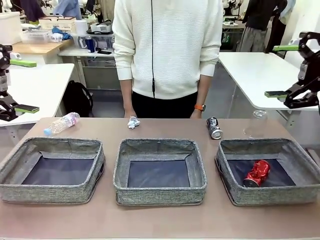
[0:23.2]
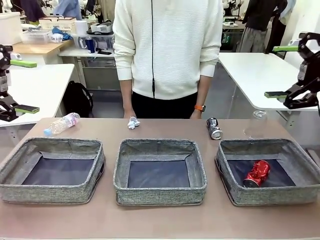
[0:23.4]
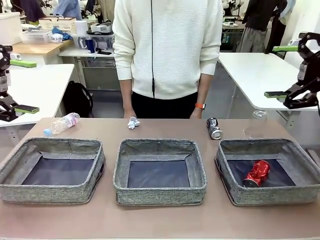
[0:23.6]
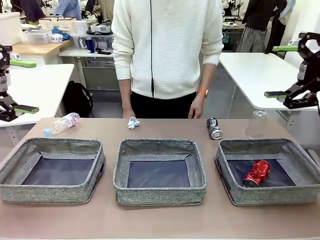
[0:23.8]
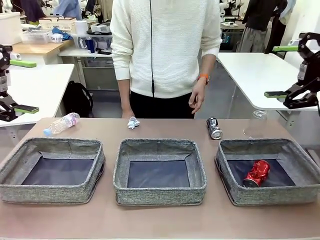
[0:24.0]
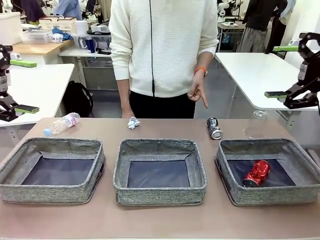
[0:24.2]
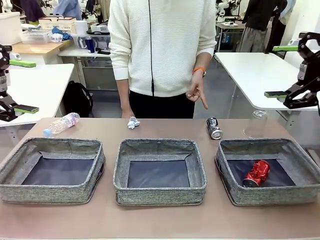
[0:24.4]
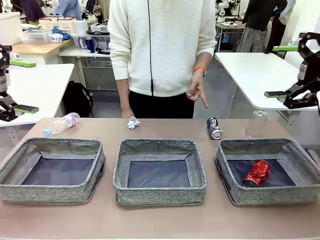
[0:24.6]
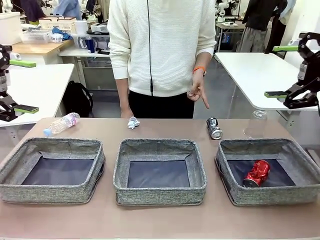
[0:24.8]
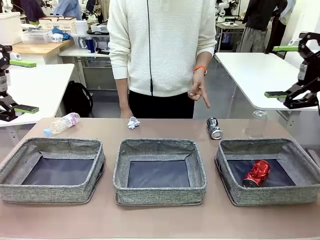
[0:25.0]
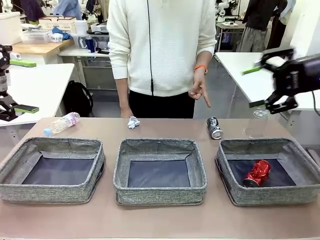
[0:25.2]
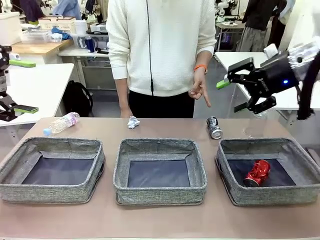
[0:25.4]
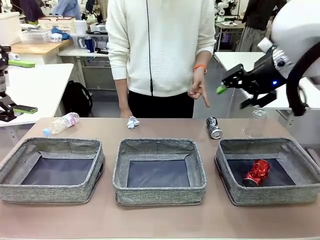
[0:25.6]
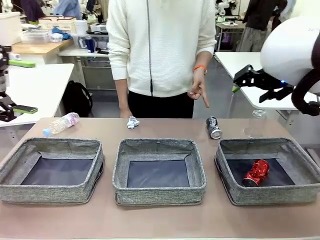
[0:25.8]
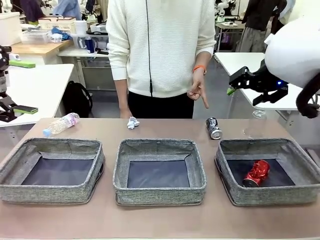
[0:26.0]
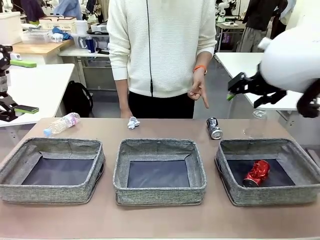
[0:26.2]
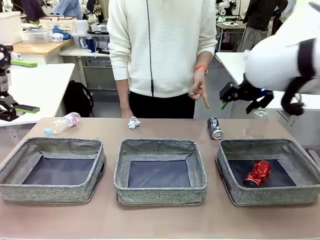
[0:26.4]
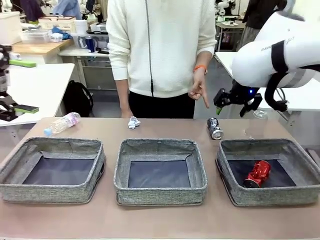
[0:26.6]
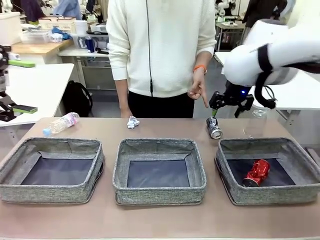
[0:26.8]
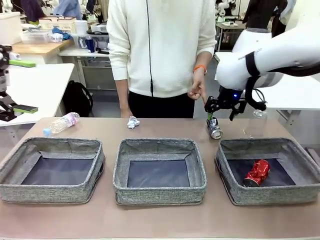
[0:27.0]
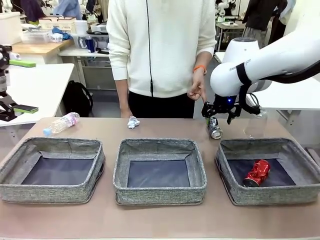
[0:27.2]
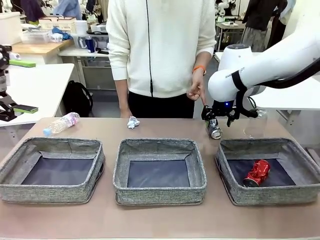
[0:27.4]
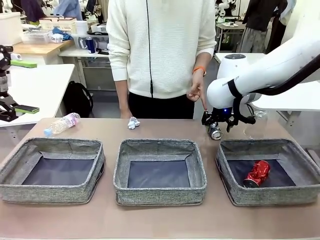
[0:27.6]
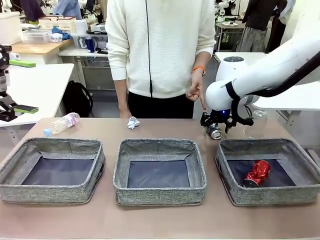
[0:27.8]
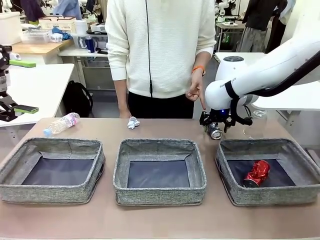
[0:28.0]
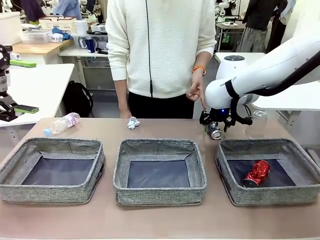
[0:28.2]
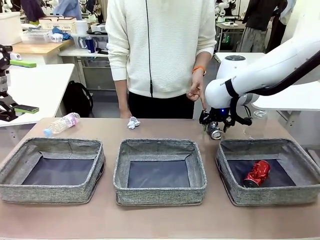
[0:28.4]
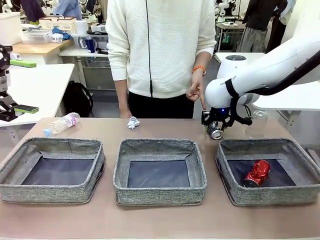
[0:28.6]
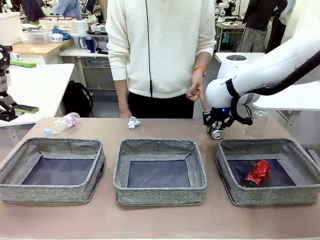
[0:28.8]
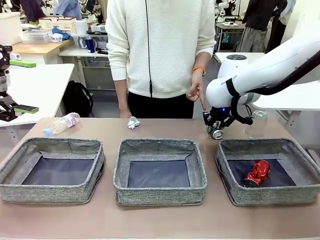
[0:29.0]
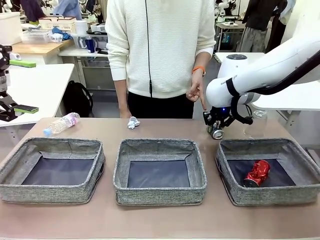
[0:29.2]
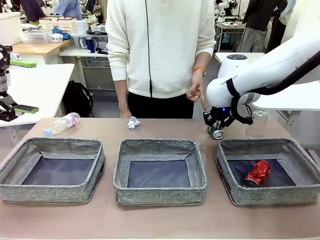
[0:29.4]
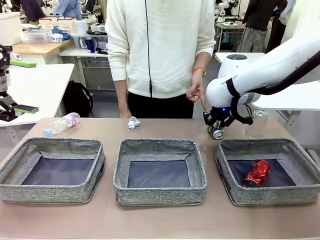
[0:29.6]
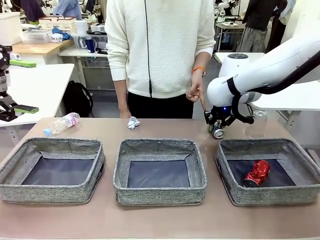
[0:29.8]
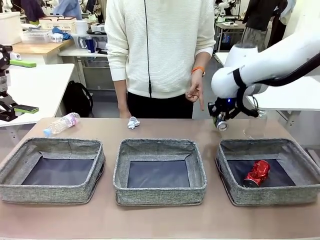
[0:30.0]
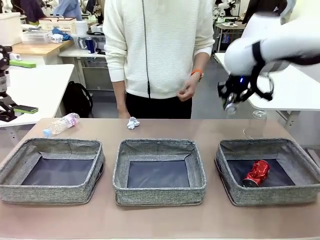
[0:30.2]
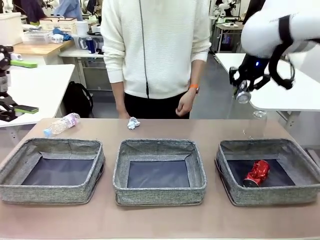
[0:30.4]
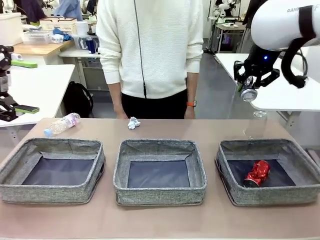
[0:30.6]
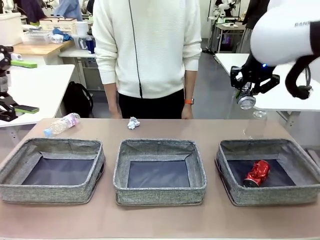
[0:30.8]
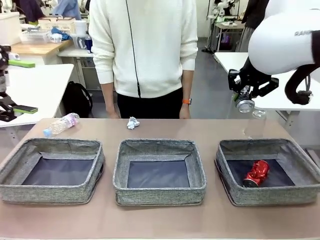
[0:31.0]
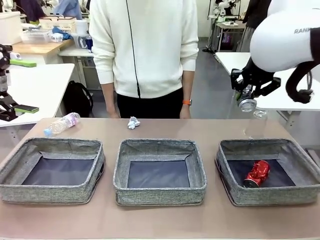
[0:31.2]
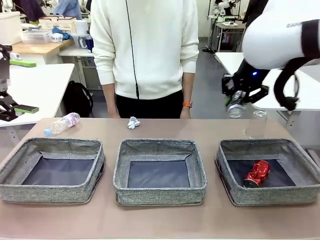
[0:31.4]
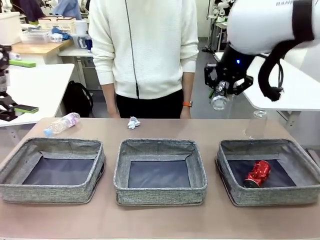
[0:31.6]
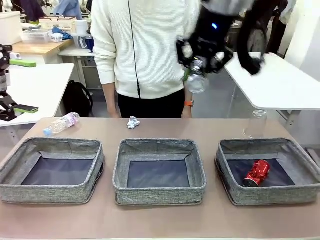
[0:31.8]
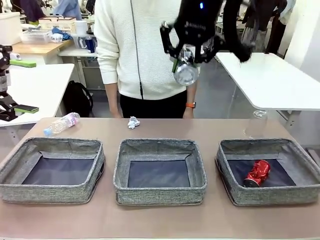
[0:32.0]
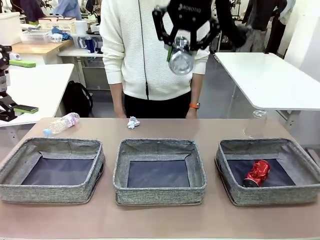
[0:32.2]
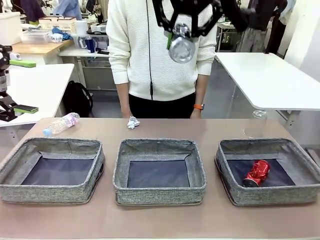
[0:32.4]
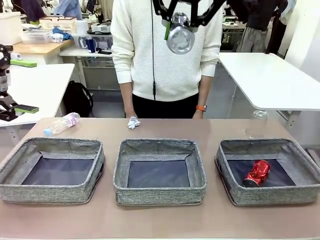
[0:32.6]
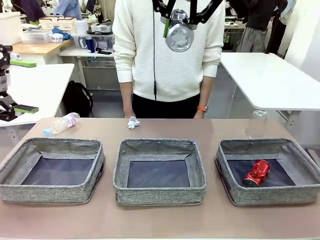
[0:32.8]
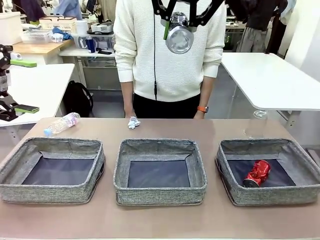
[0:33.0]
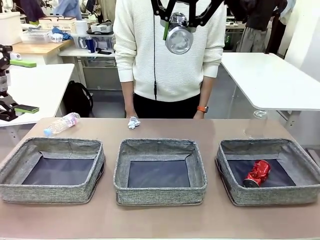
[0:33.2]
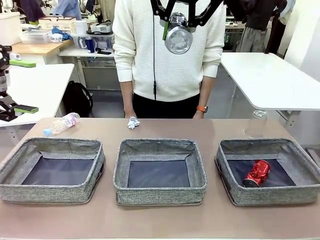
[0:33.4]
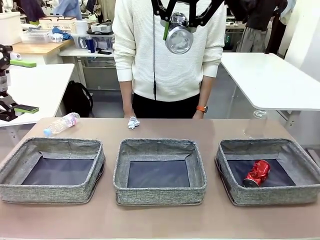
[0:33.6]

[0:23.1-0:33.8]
Task: Sort the waste into the appropriate baskets.
Robot: Pick up the waste item pointed out by the person.
Person: Points to one piece of trash on the table.

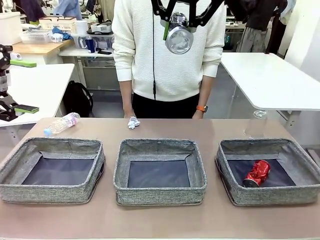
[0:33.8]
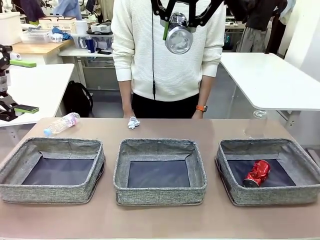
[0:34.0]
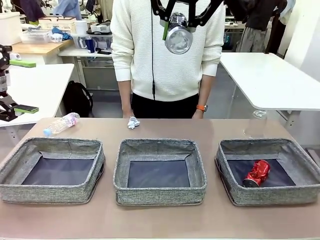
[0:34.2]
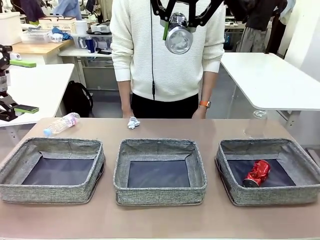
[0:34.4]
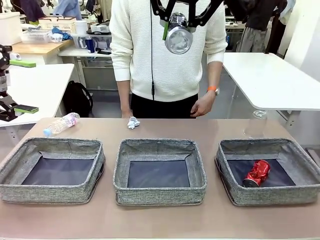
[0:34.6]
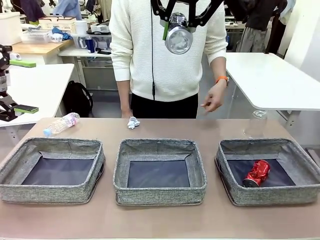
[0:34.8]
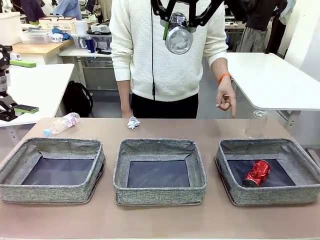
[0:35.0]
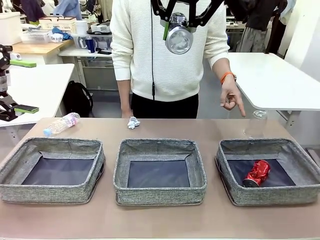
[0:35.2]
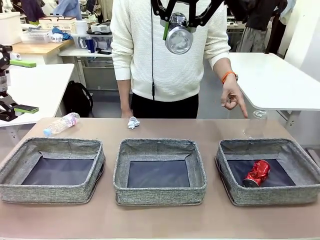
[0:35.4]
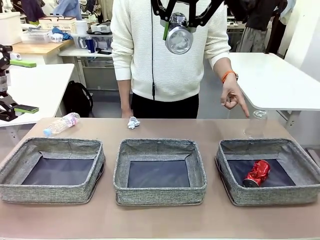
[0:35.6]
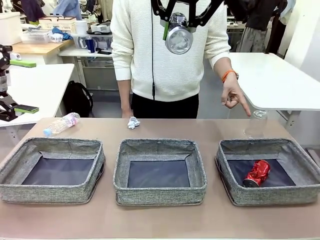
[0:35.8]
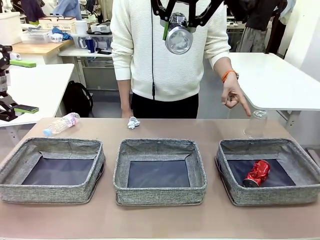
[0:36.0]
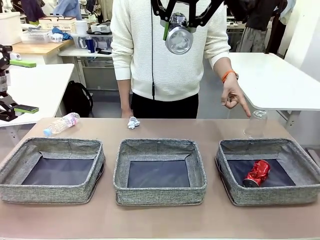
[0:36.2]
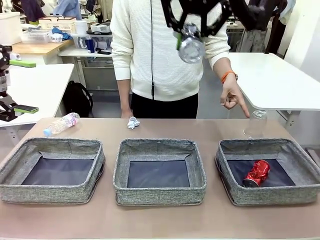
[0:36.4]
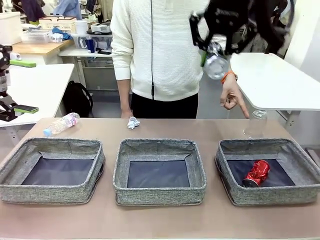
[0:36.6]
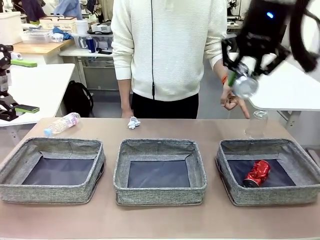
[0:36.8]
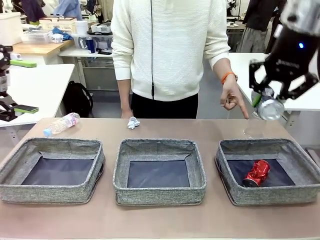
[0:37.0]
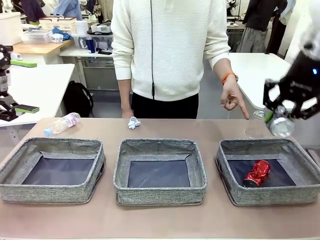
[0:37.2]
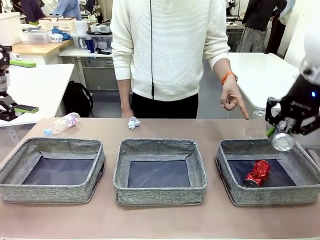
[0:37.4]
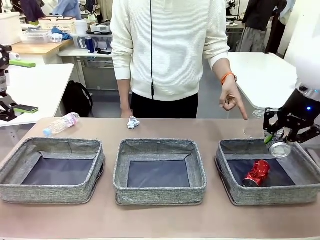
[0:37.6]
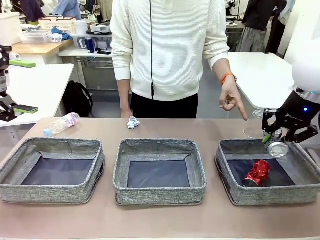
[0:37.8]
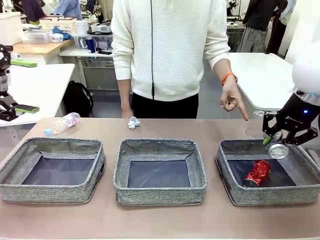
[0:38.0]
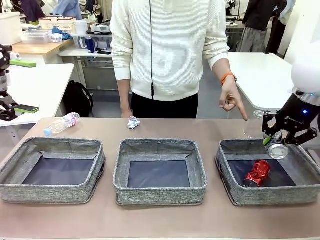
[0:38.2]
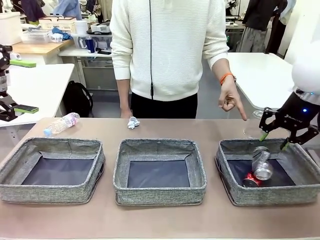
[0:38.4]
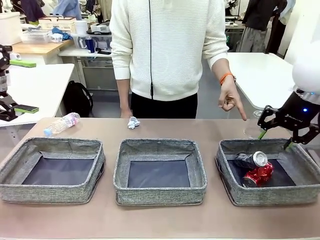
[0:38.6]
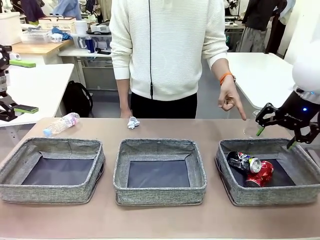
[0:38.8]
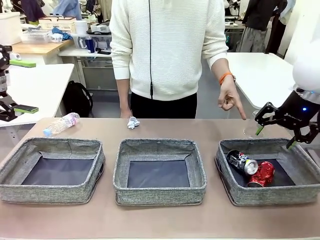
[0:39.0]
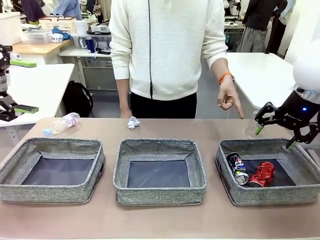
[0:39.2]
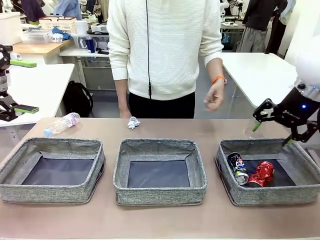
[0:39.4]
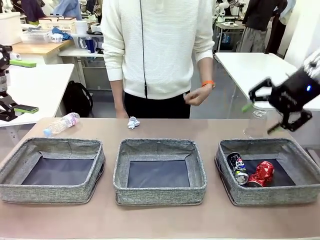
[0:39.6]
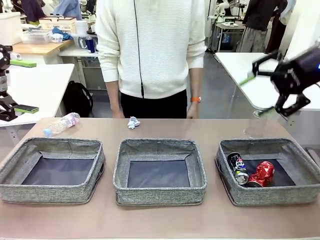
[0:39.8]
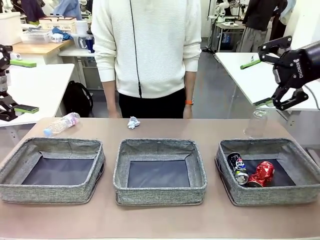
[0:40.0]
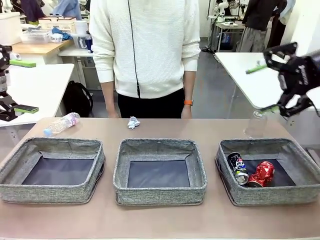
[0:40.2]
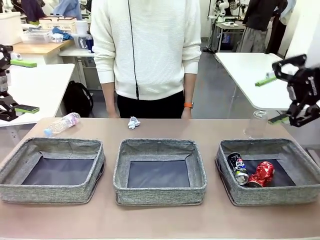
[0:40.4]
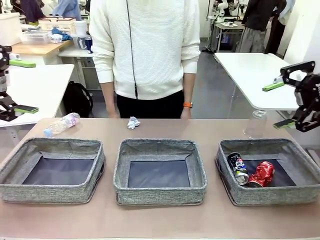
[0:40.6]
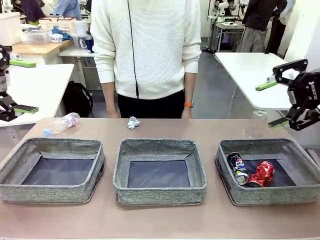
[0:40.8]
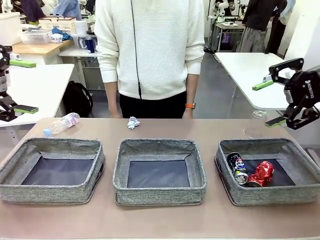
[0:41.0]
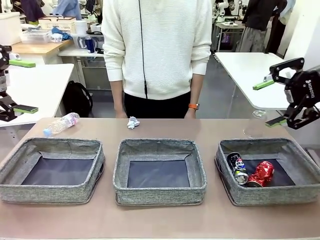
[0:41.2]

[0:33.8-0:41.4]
Robot: Place the picked waste into the Fabric basket indicated by the person.
Person: Instructs the robot to place the picked-up trash into the appropriate organizing basket.

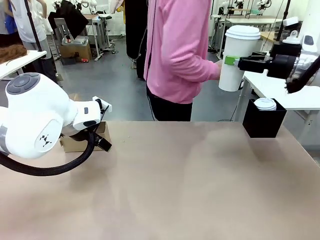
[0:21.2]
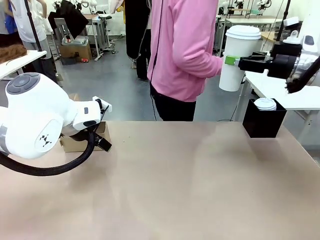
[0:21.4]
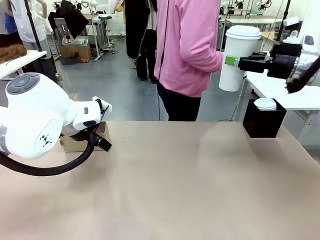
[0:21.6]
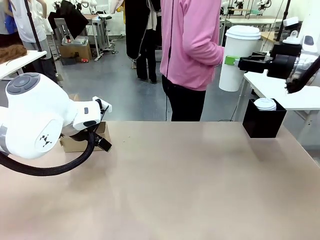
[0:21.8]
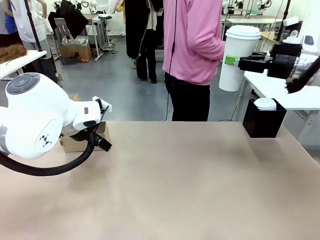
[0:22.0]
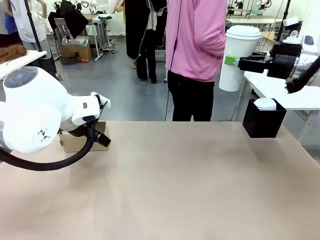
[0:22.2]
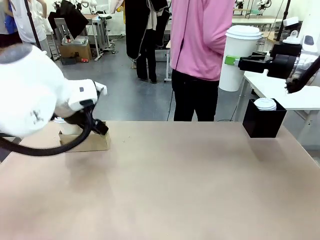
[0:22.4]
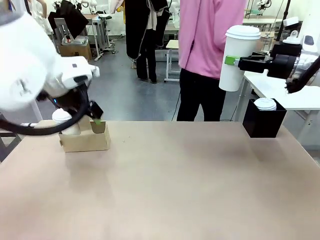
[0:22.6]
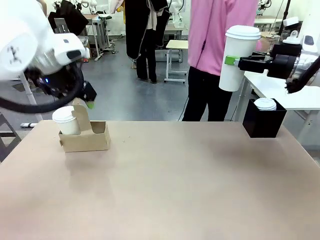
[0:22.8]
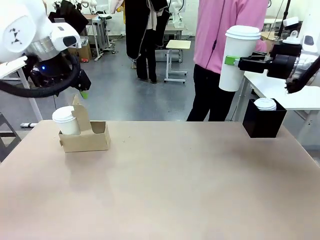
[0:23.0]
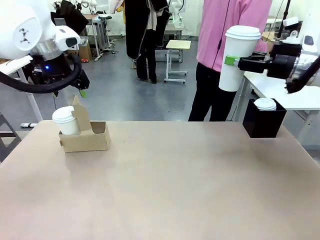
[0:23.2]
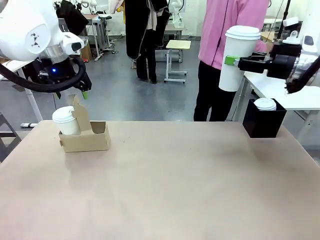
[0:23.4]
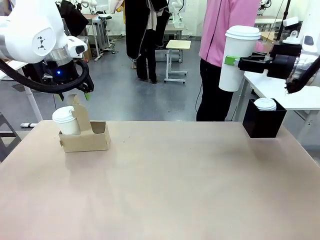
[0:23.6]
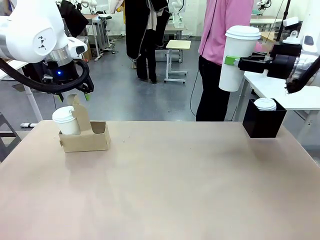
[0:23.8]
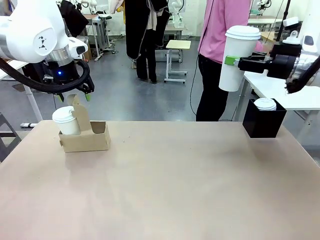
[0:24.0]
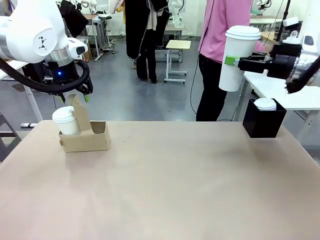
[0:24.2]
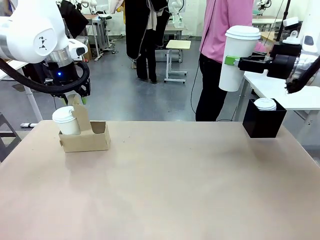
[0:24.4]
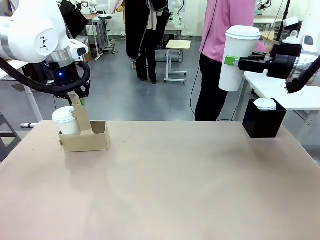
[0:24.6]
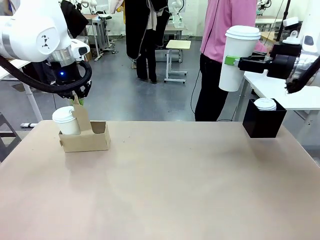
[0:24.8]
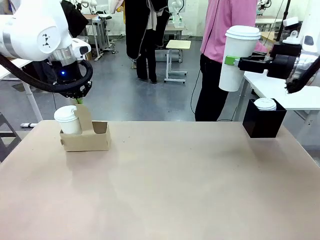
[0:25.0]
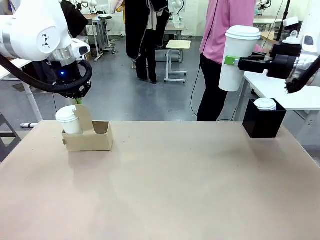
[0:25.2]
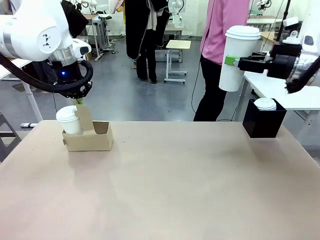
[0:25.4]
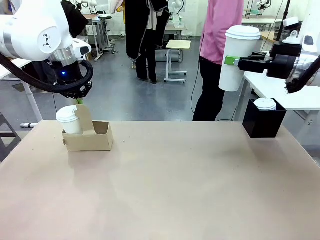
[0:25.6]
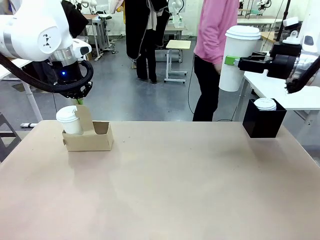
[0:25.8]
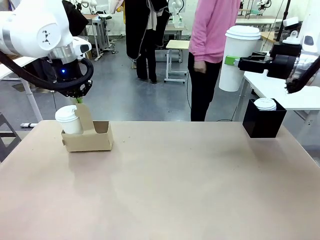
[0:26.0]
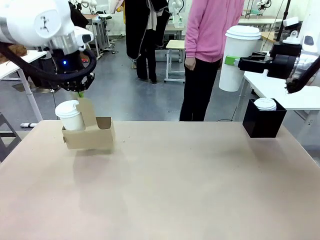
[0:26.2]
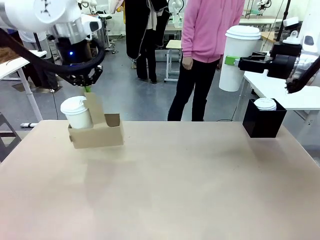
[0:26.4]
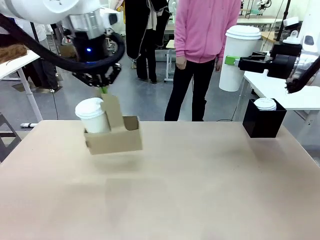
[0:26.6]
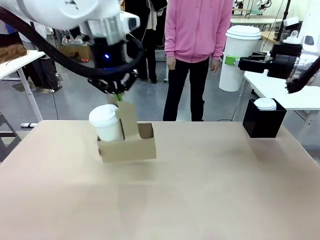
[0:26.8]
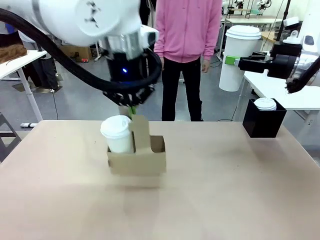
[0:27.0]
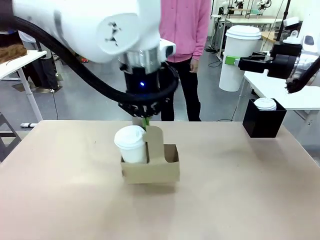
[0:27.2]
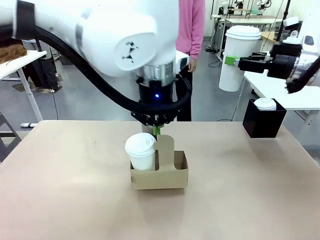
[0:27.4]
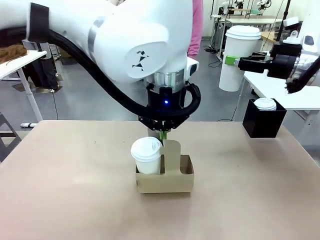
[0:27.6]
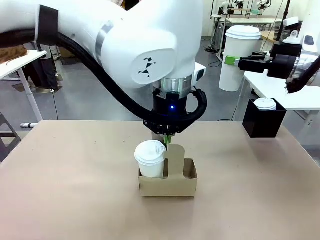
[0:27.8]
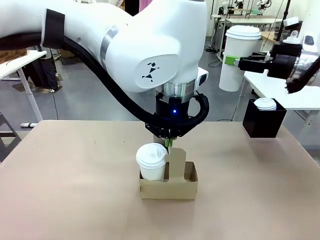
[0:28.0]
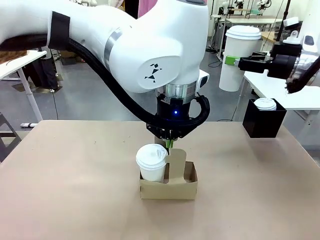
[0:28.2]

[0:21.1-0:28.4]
Task: Pour a drink into a cup and package it in a carrier.
Robot: Position the Cup Carrier in the center of the table.
Person: Pick up the Filter Brewing and place on the middle of Human table, and return to the Robot table.
